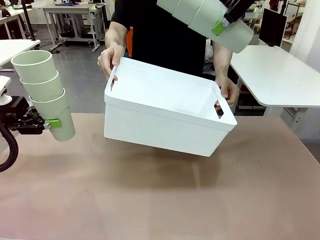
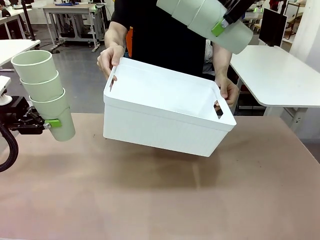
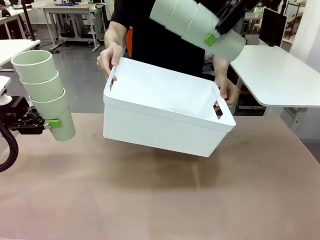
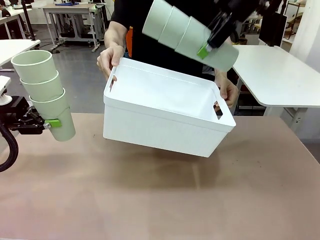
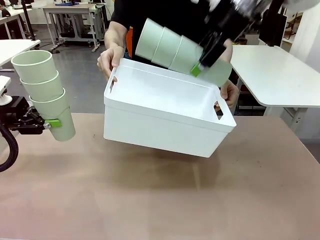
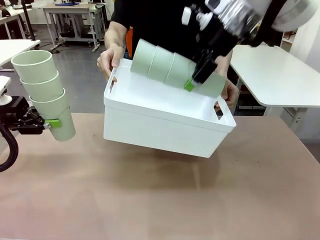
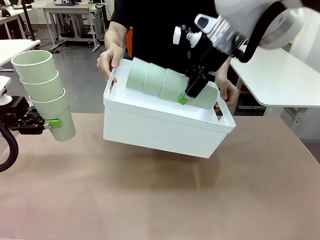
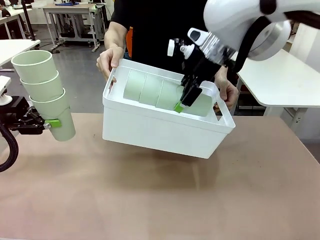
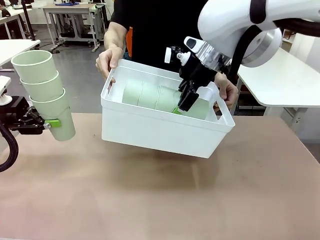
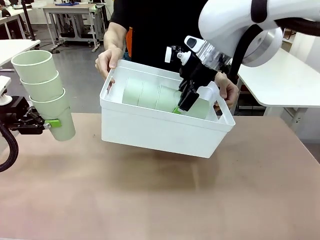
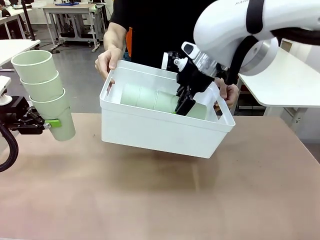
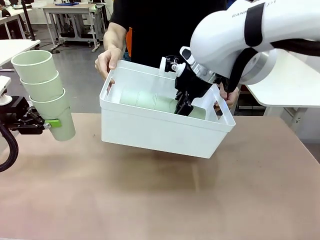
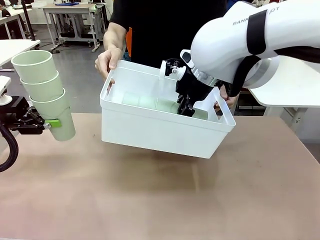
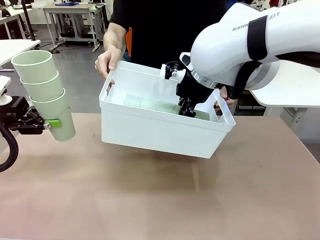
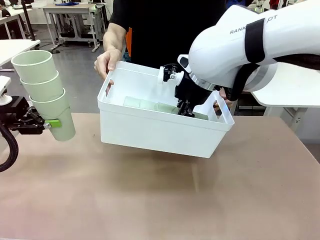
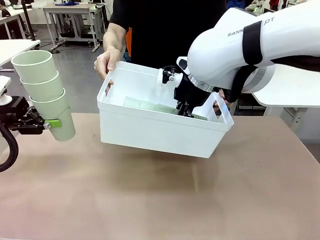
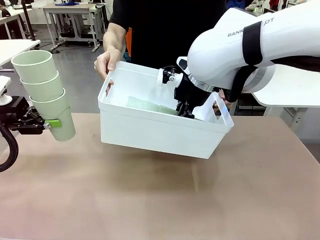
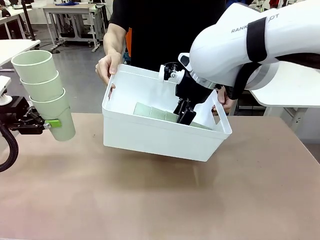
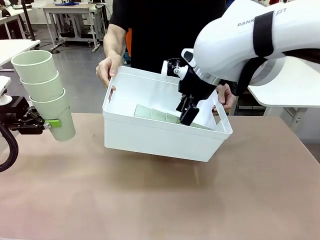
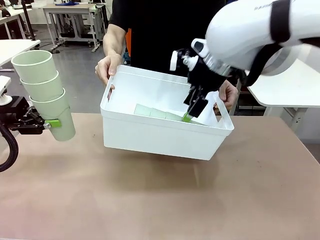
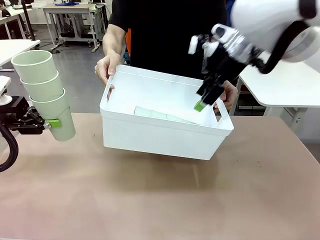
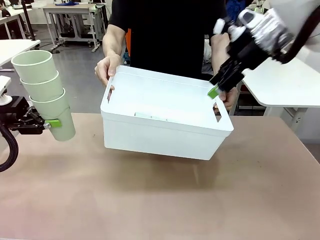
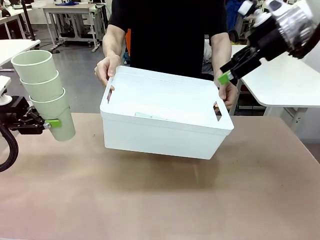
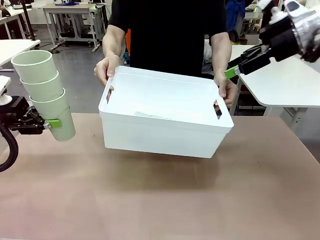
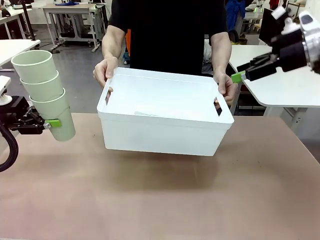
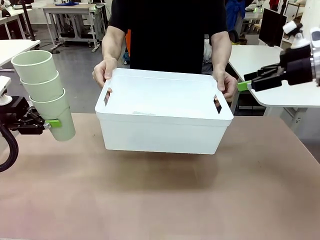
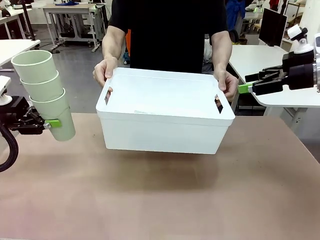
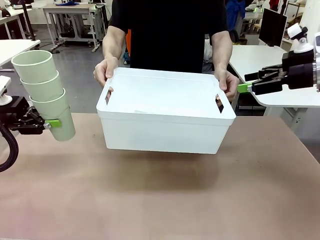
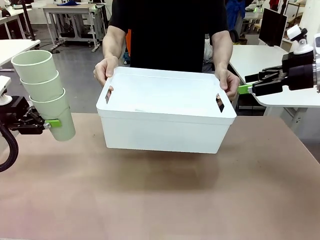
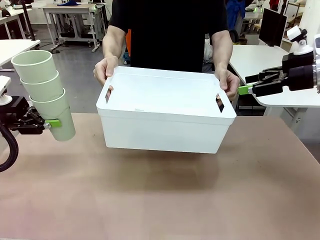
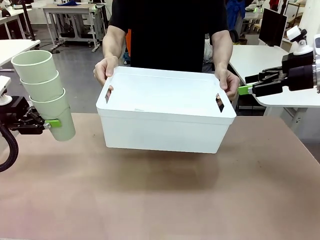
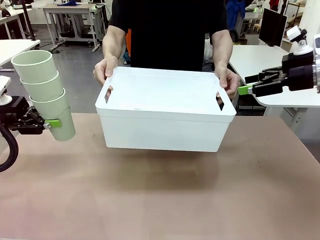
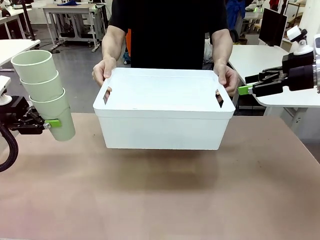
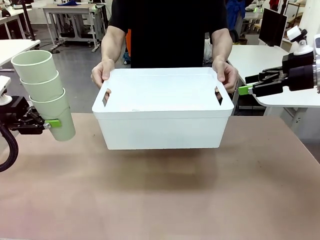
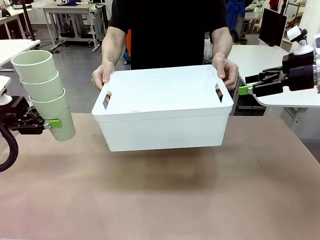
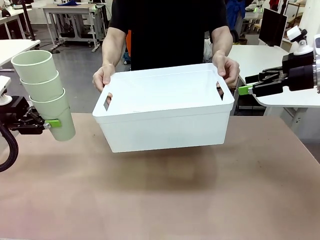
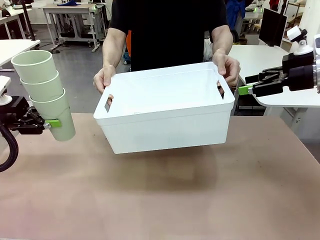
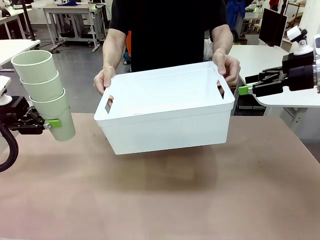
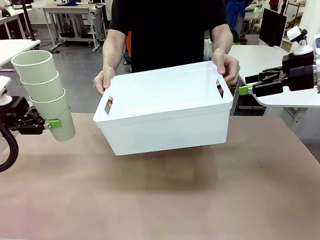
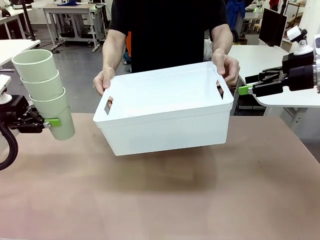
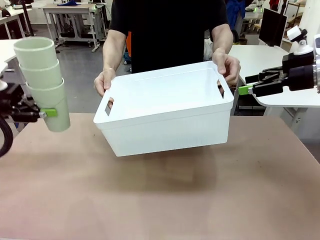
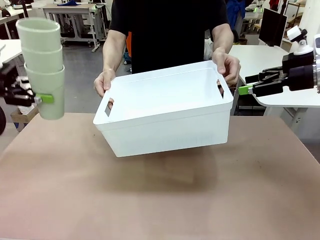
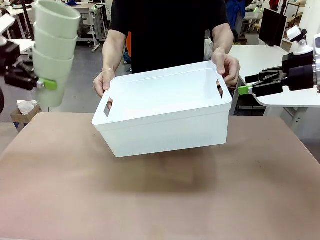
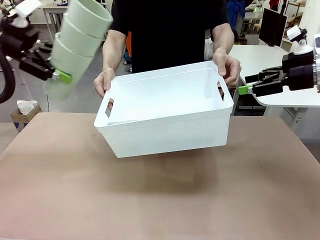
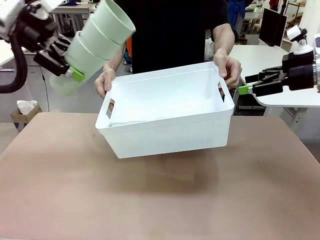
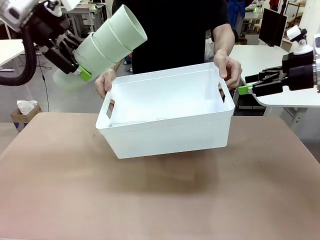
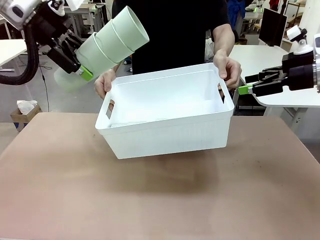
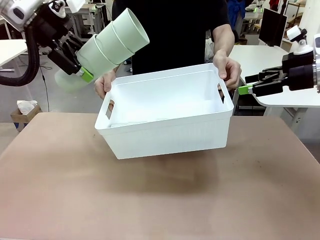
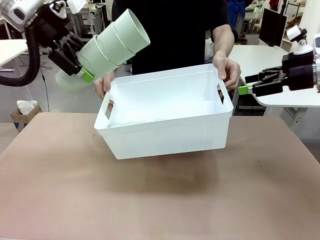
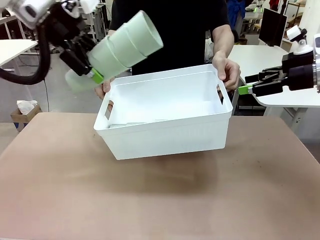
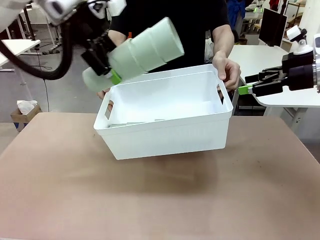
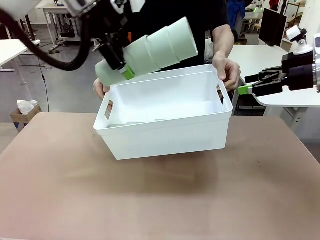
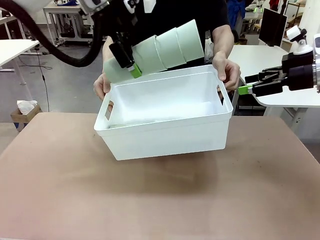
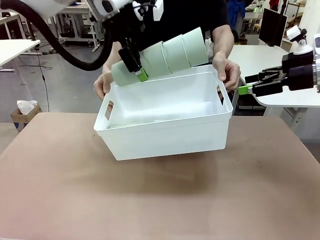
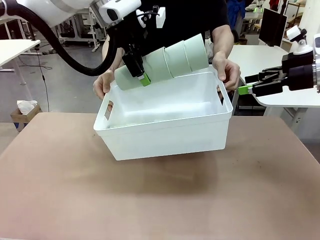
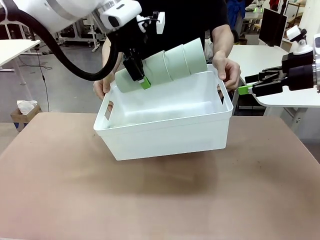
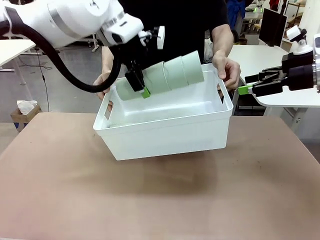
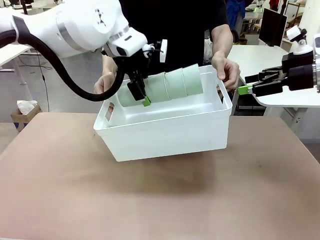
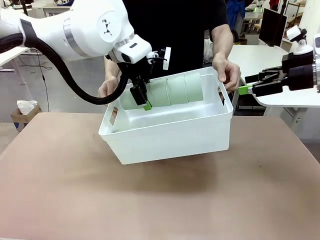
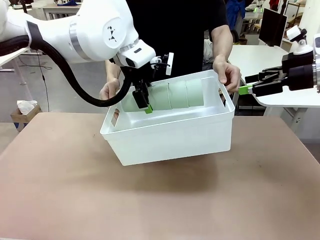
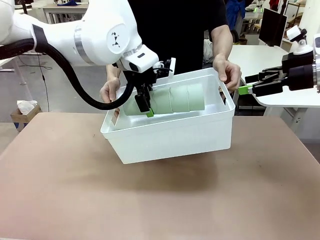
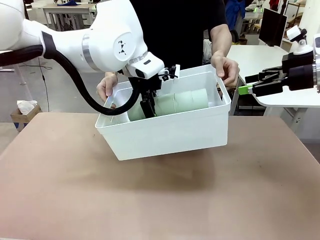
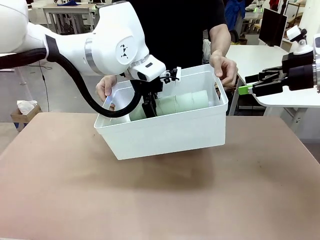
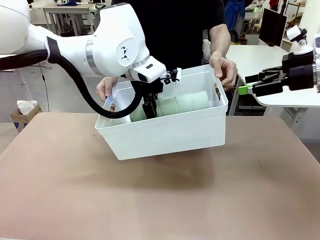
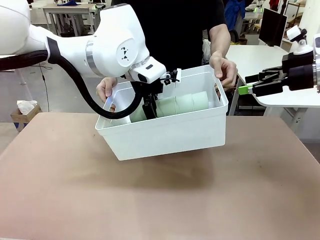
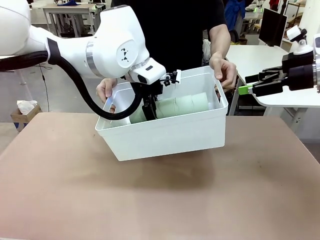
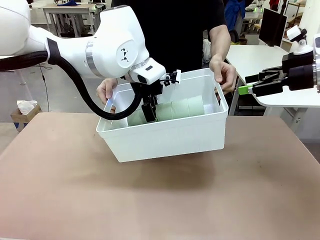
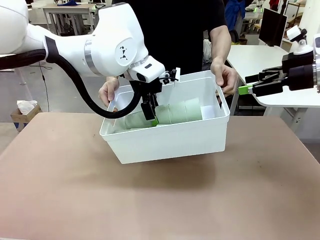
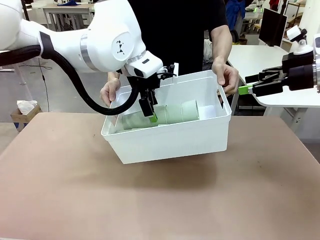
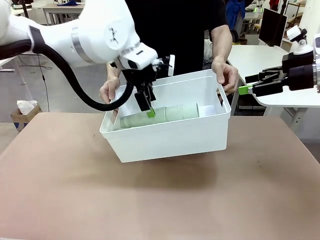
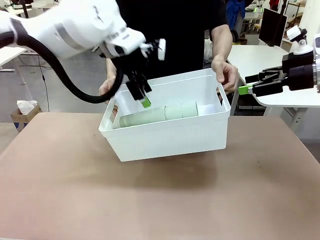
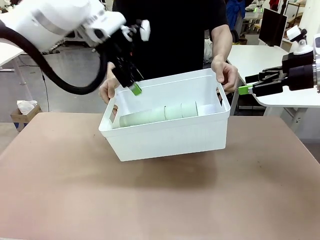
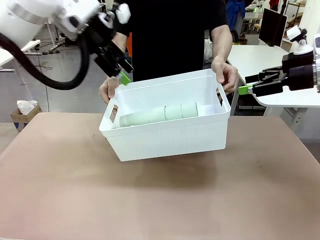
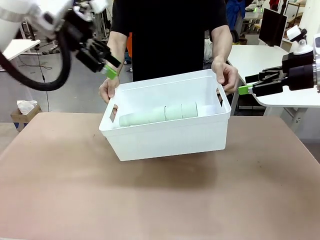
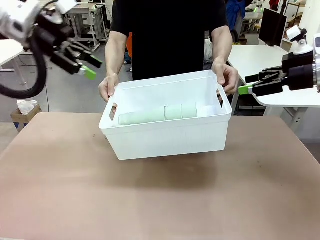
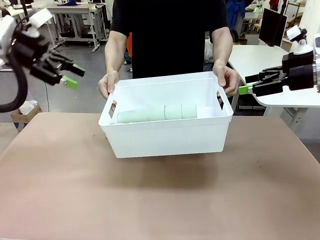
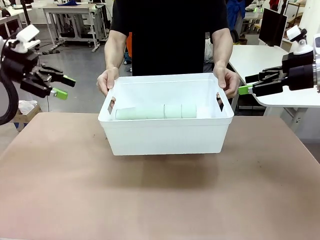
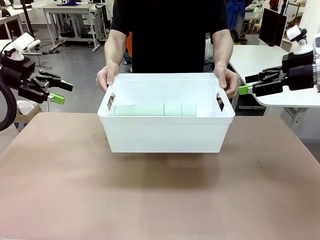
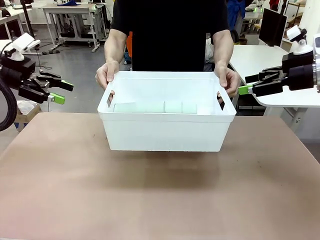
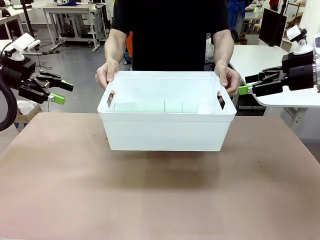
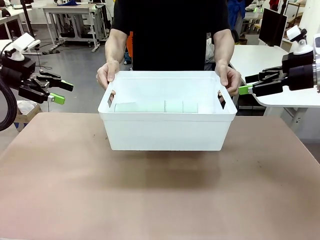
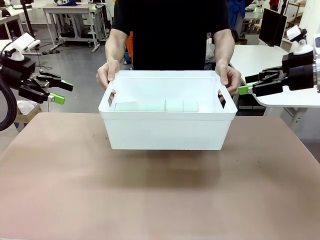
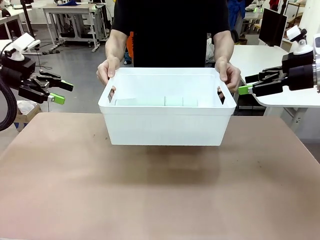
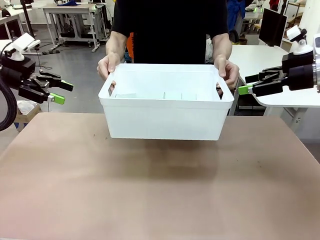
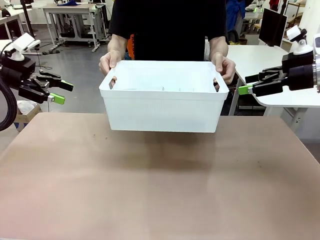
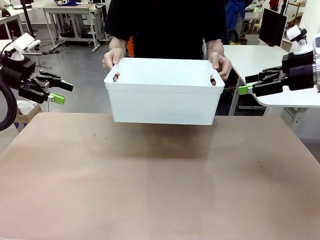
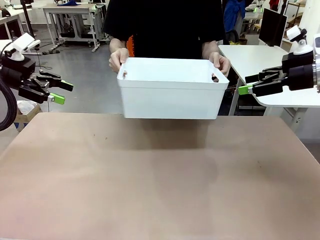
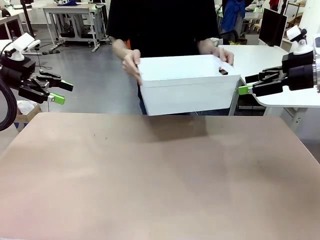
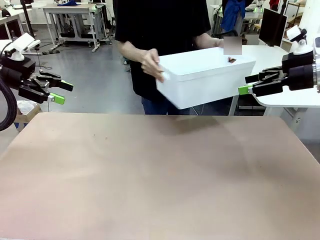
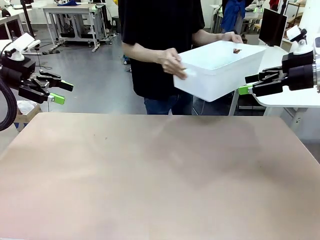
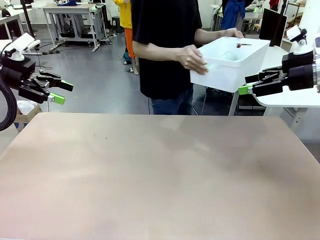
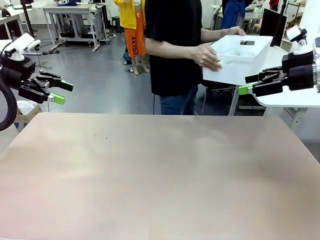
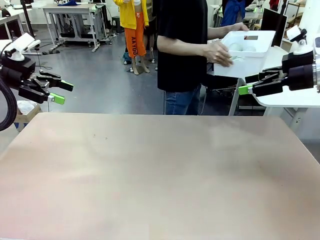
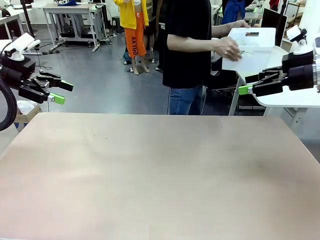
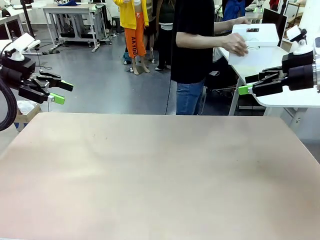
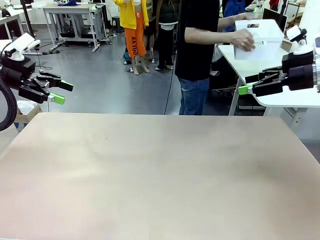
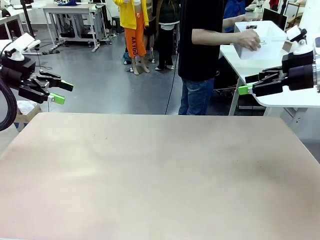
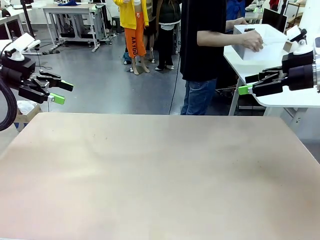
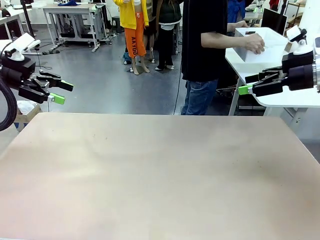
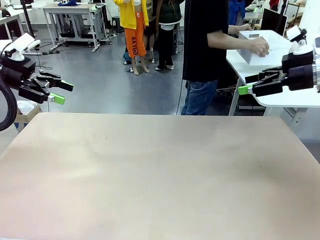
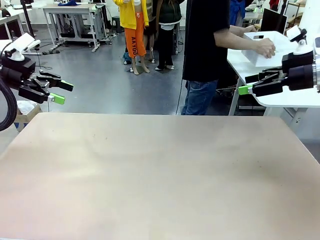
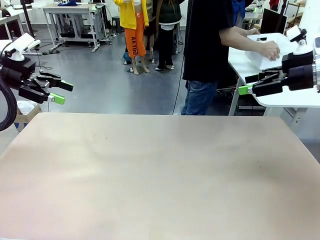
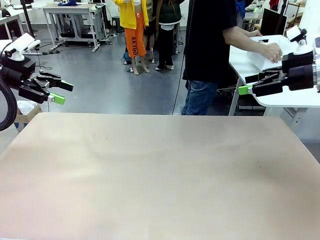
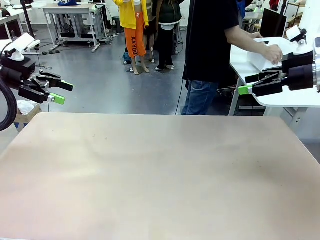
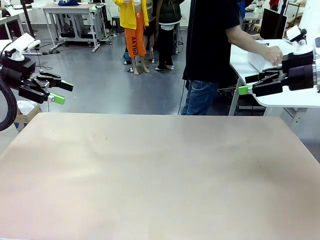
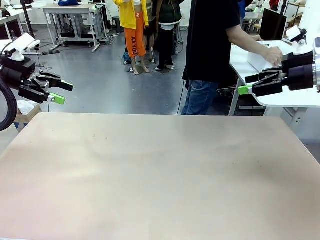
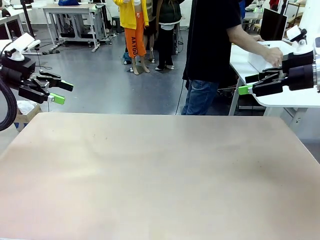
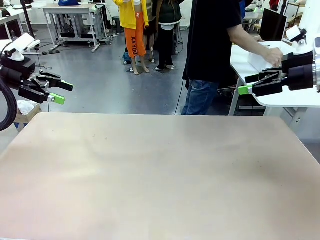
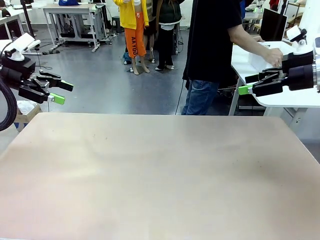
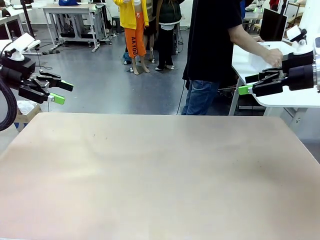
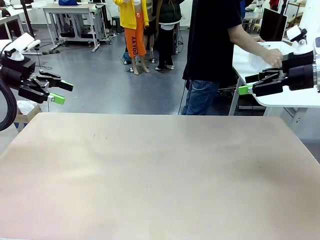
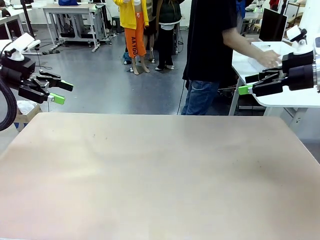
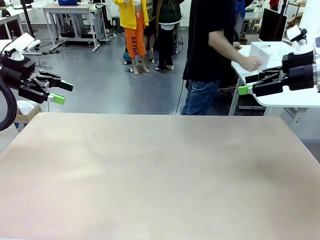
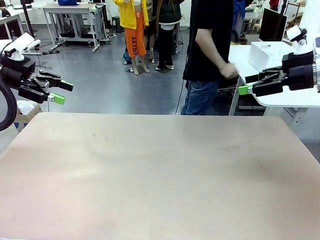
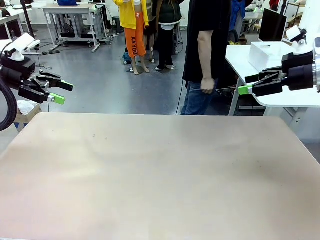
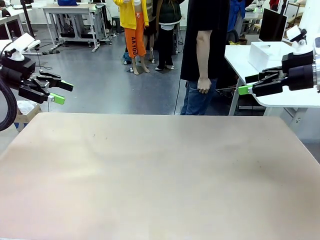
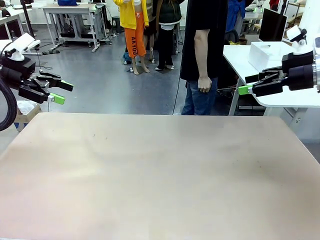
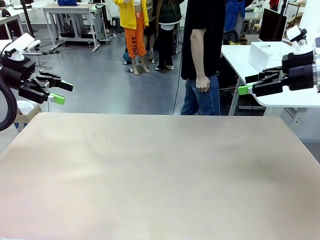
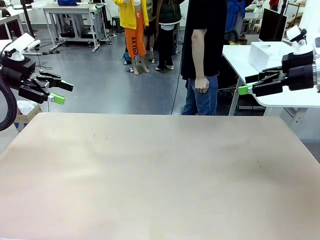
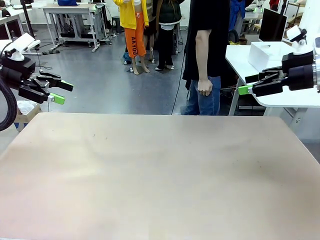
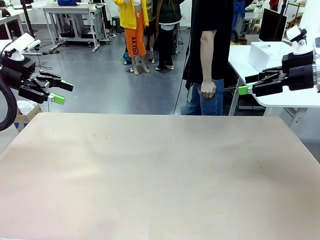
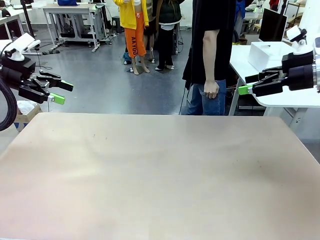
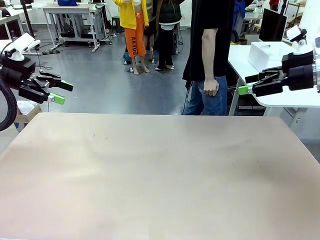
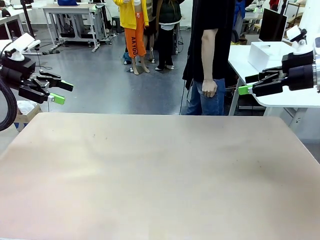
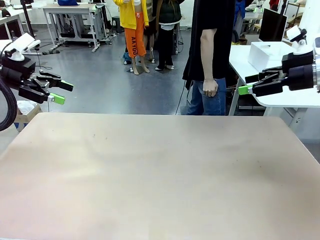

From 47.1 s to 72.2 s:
Task: Stack the cups and store them in the basket.
Robot: Place the stack of Reusable plastic cups into the Pantry Basket.
Person: Place the basket containing the cups in the middle of the Human Table.
